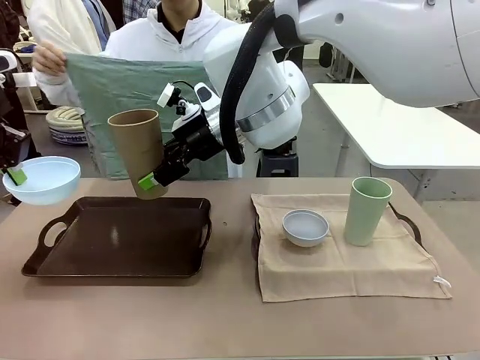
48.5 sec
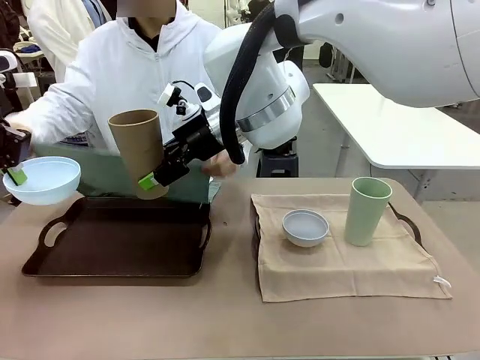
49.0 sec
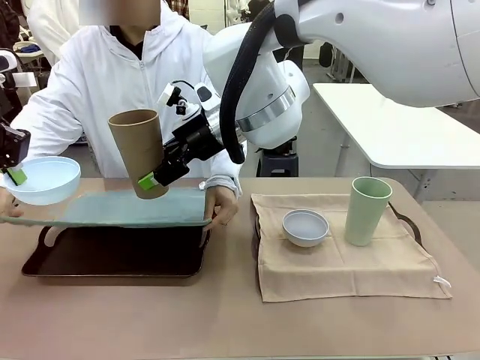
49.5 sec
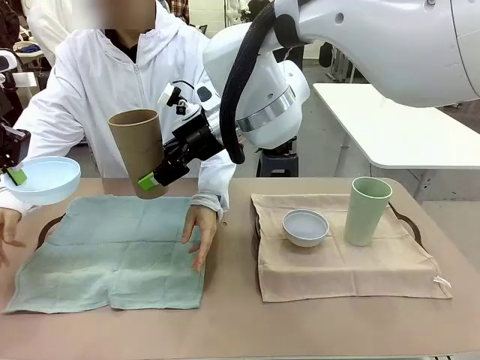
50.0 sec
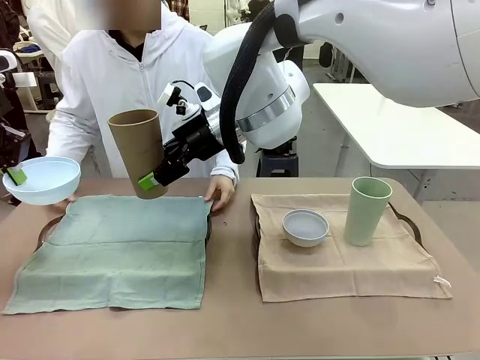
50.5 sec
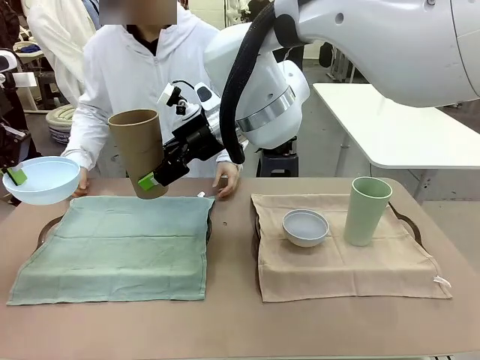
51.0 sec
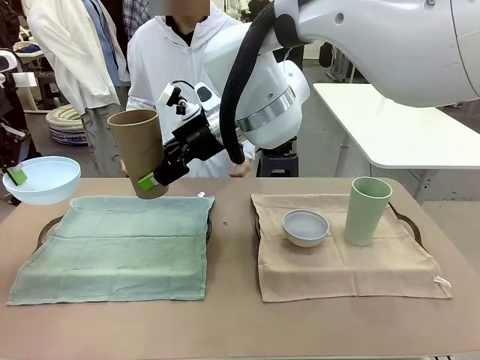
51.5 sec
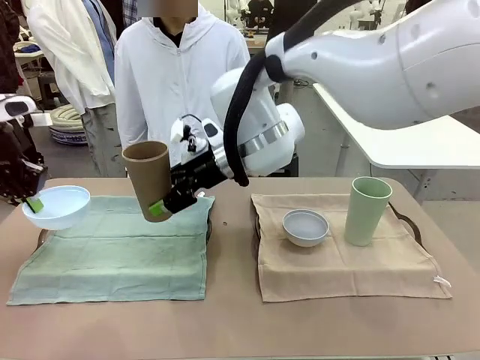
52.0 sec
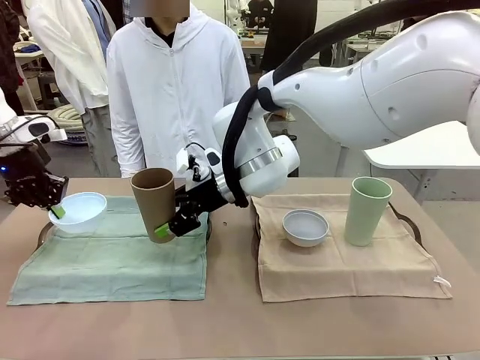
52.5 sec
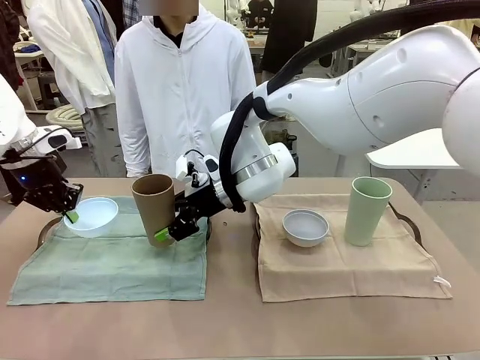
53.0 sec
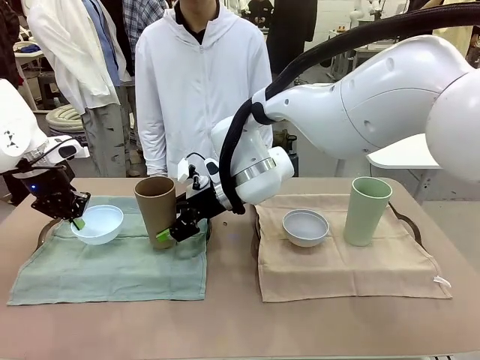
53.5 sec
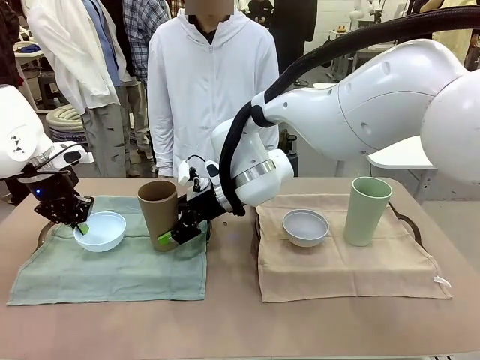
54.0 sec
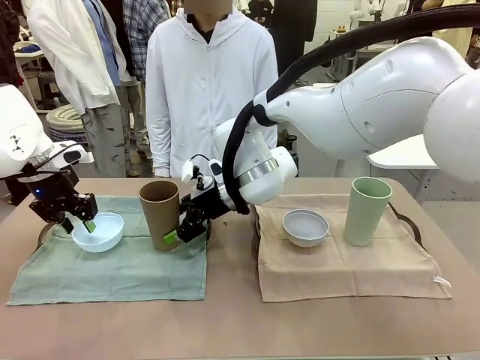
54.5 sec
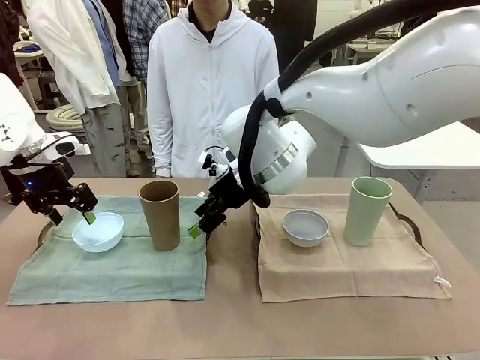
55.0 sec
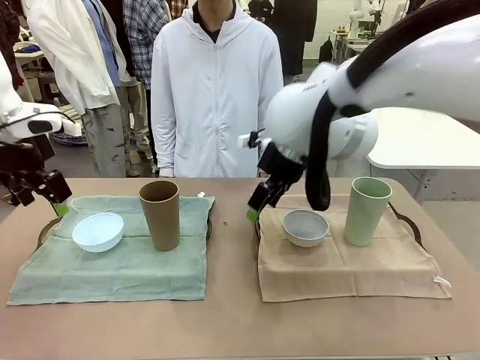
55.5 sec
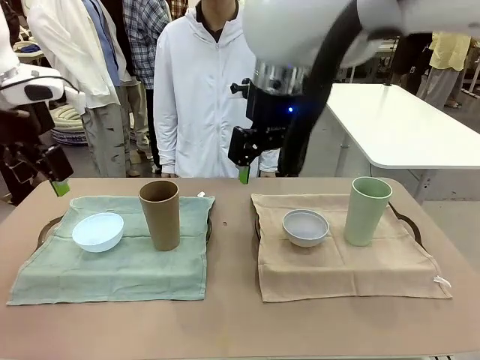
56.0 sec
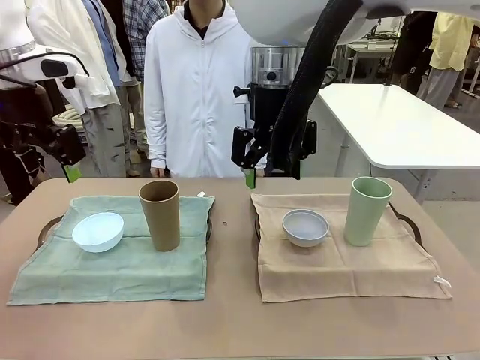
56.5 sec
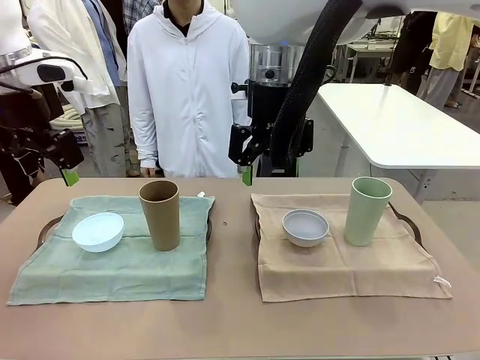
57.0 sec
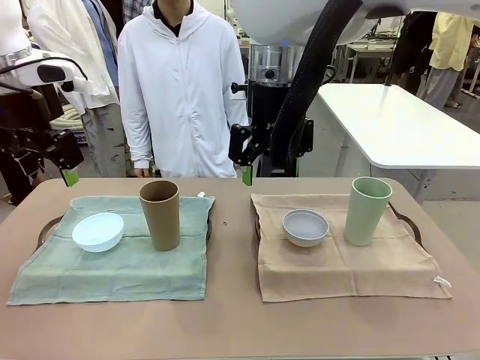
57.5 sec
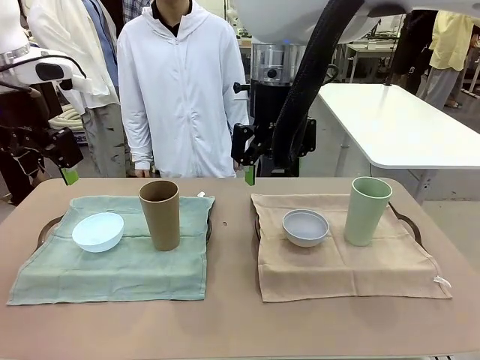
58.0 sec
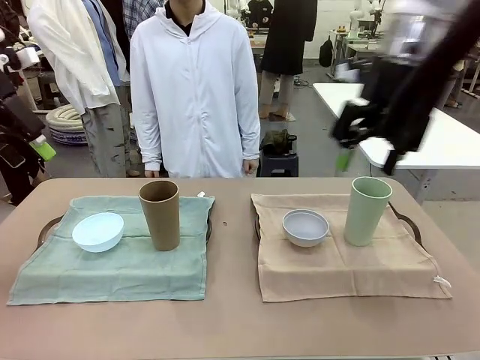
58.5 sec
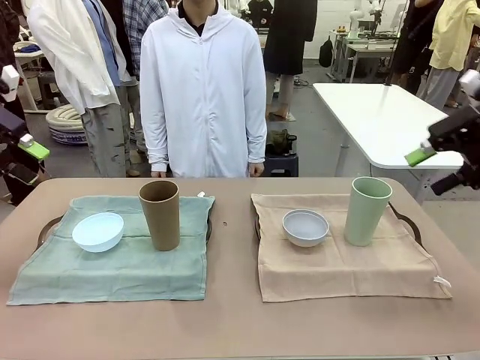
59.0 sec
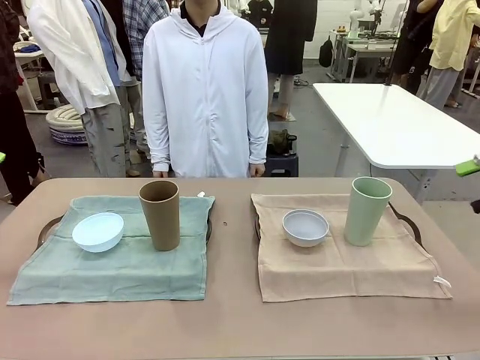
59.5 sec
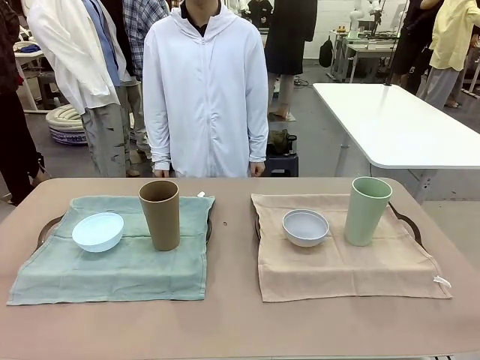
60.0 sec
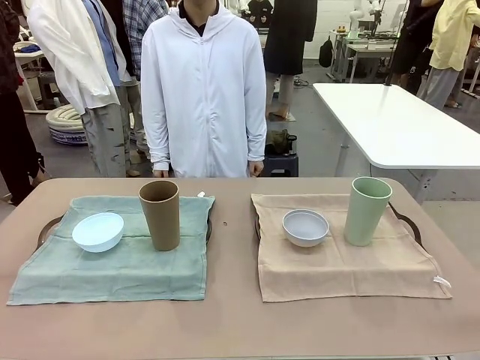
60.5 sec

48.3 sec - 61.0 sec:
Robot: Place the Picnic Bowl and Reusable plastic cup back onto the Handle tray in front of the human's position.
Person: When the robot lifts the bowl and the cup, the human unfolds the napkin and lays the napkin flat on the tray.

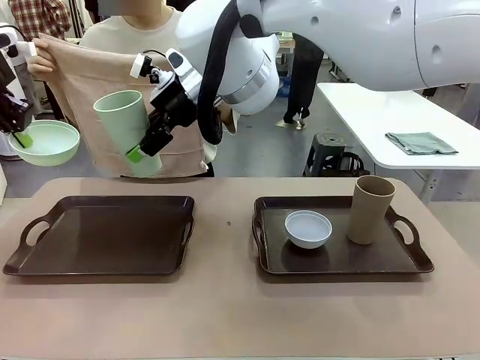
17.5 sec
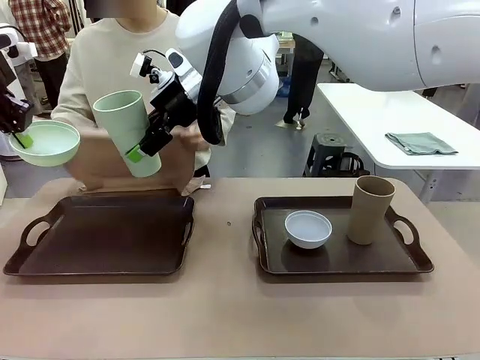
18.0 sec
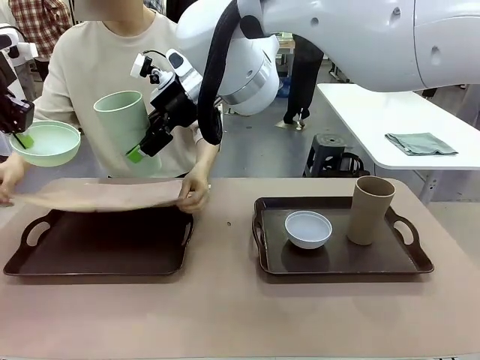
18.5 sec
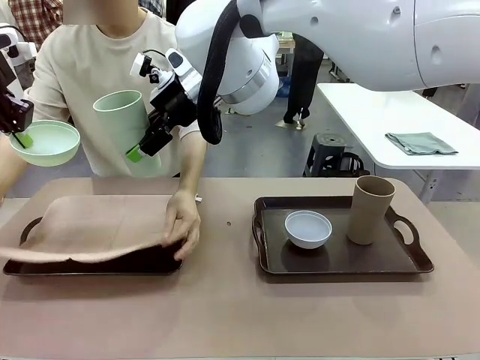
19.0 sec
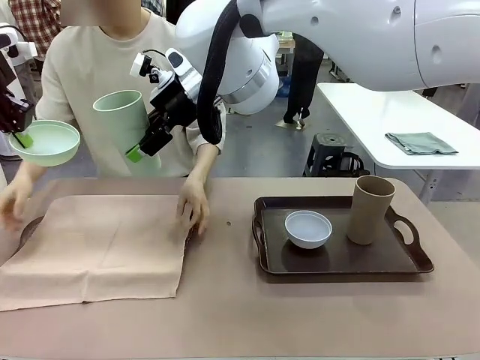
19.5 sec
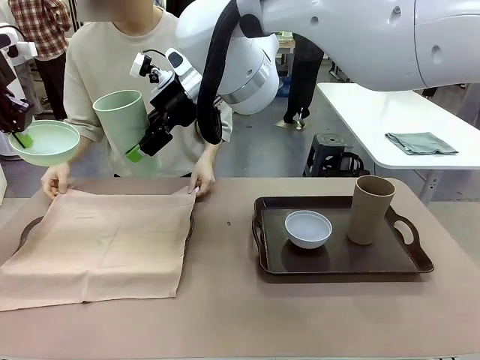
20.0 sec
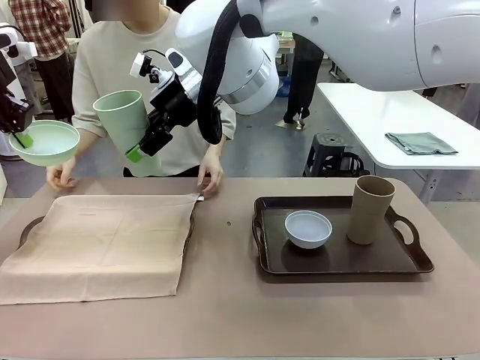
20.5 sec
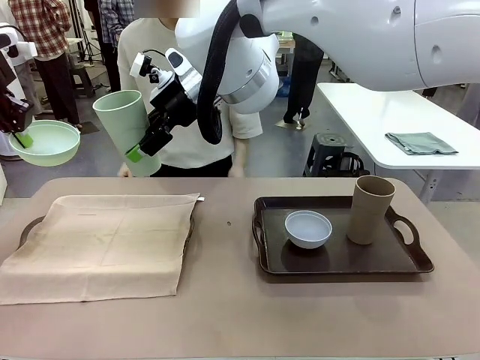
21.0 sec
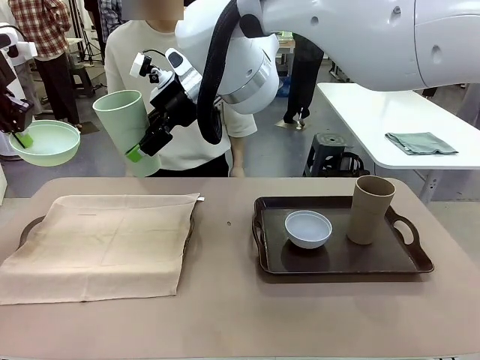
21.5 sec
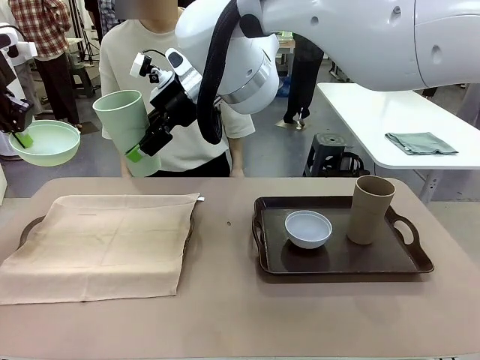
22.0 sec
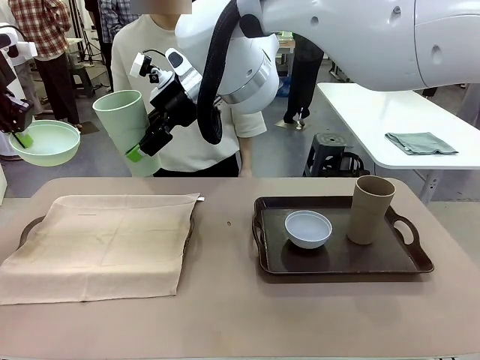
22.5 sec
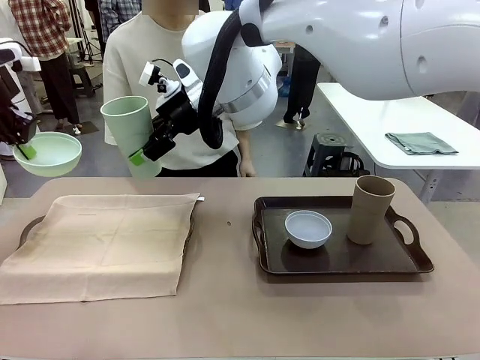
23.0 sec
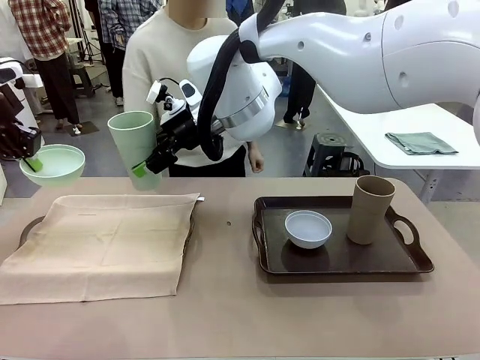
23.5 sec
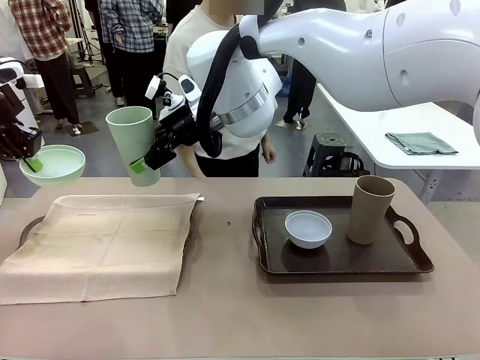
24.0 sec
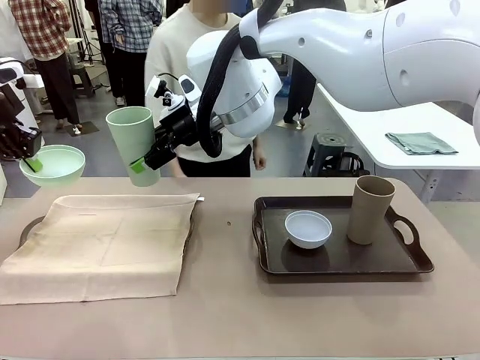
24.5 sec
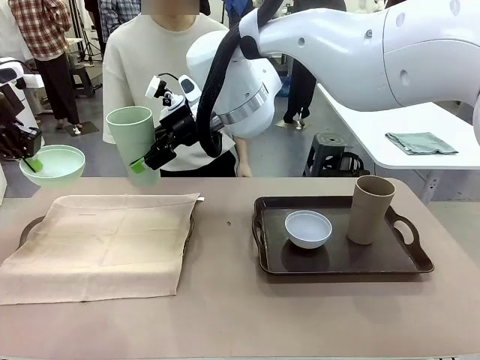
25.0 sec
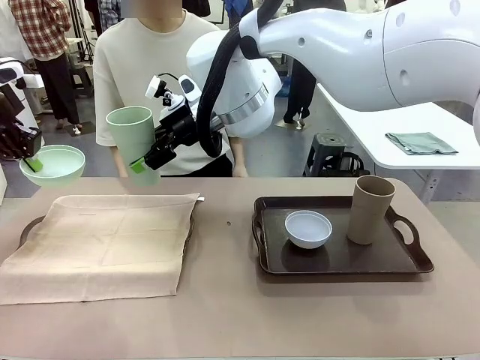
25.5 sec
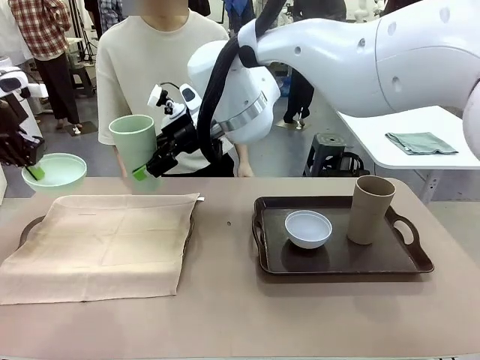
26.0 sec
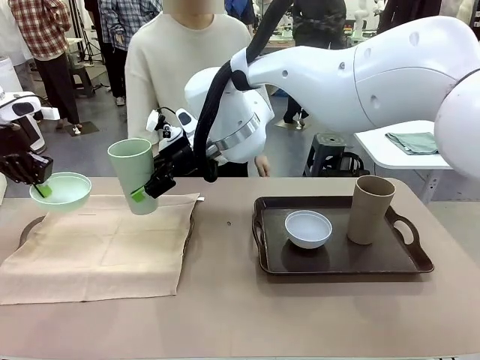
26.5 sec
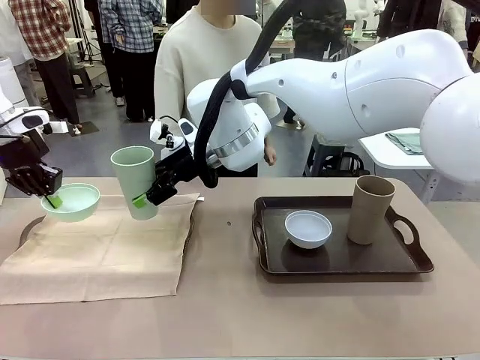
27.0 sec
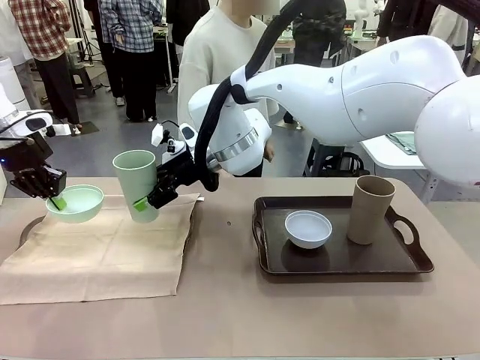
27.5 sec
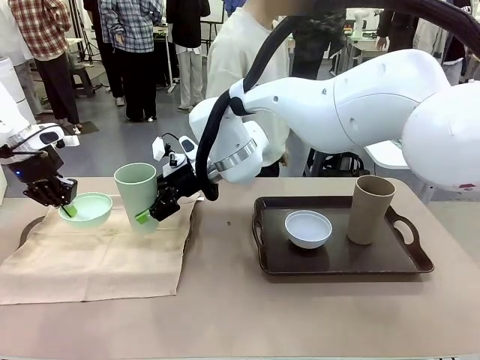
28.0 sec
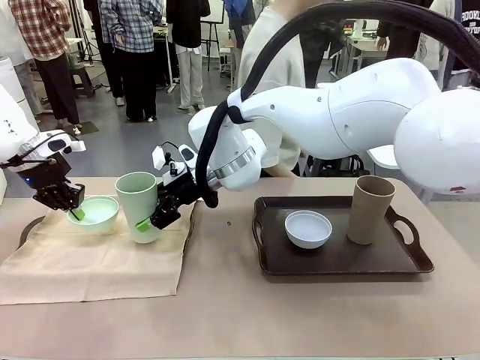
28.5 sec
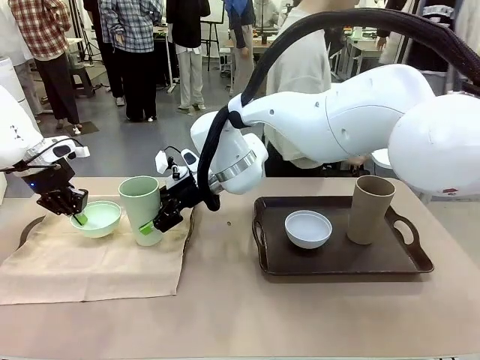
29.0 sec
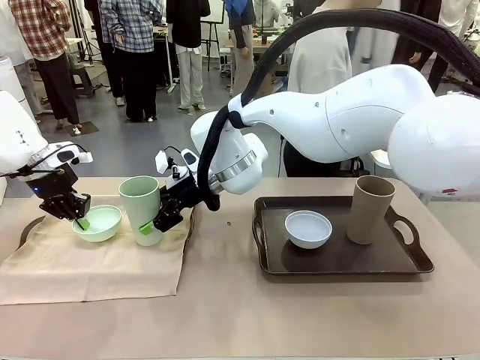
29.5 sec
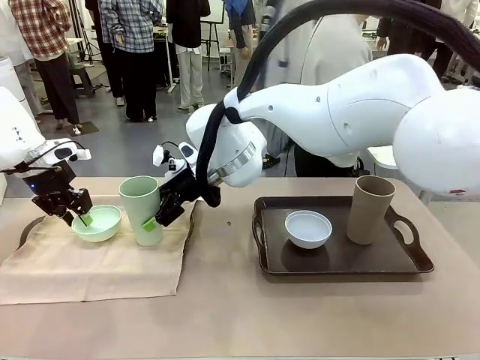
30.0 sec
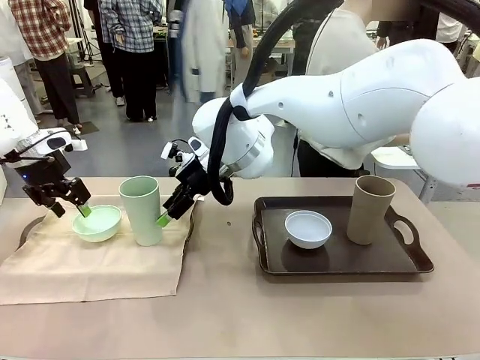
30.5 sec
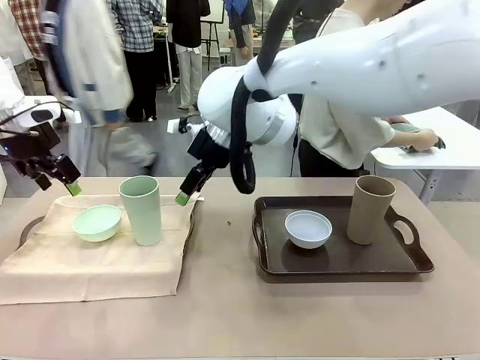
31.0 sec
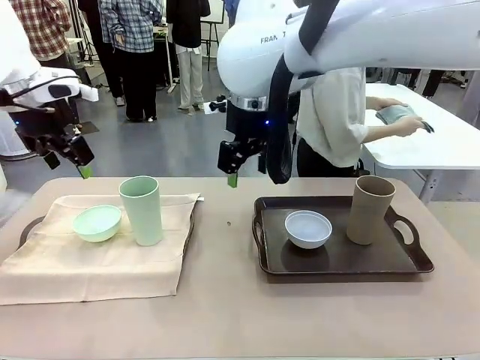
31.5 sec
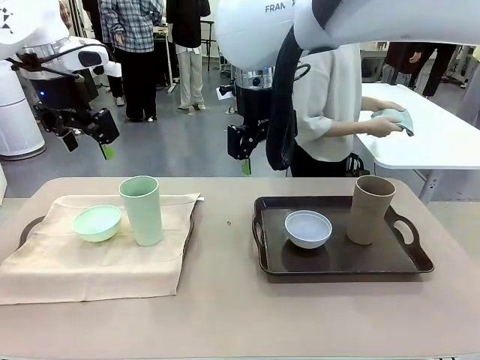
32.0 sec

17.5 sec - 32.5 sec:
Robot: Place the Picnic Bowl and Reusable plastic cup back onto the Handle tray in front of the human's position.
Person: The human returns to the human table to pick up another napkin and walks to the robot table to stand in front of the tray without a napkin.
